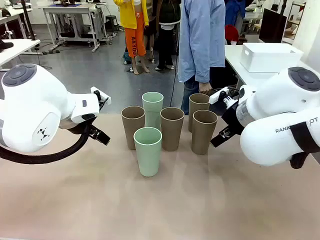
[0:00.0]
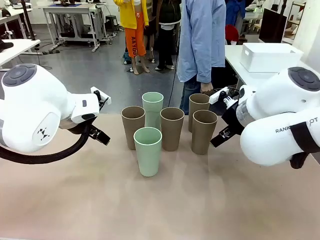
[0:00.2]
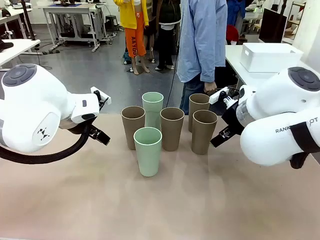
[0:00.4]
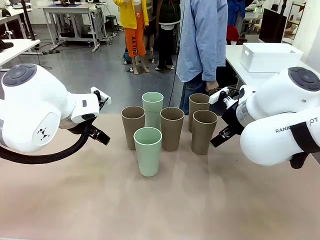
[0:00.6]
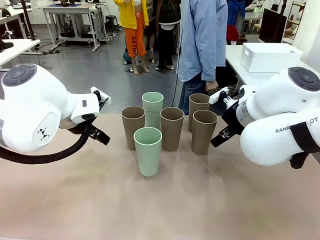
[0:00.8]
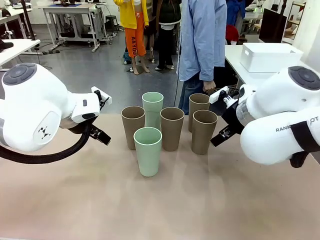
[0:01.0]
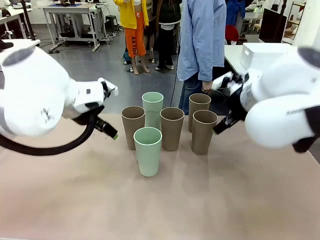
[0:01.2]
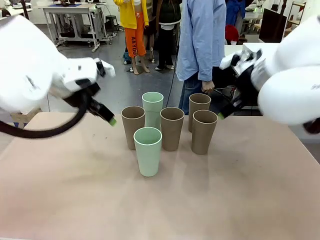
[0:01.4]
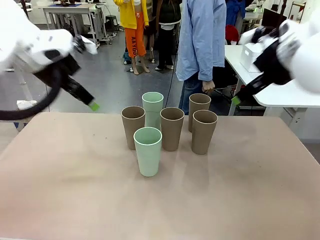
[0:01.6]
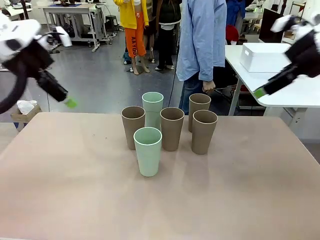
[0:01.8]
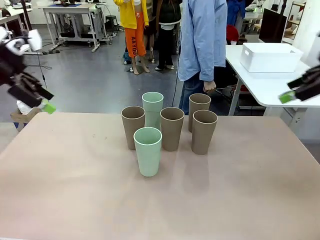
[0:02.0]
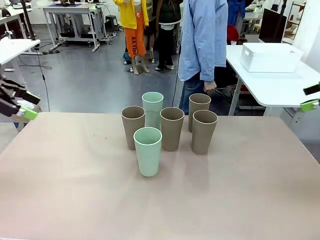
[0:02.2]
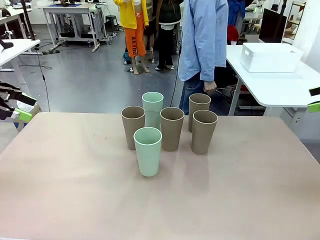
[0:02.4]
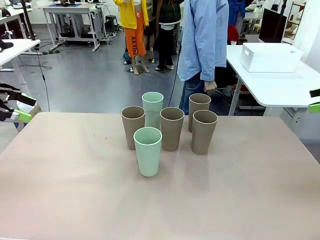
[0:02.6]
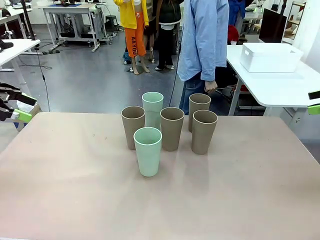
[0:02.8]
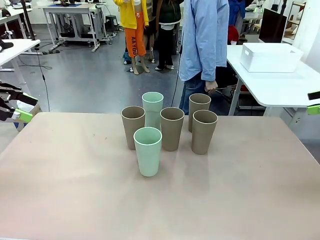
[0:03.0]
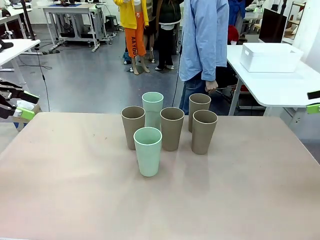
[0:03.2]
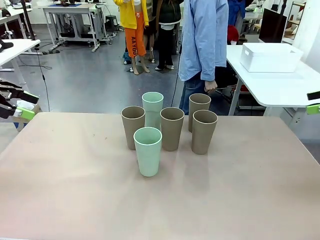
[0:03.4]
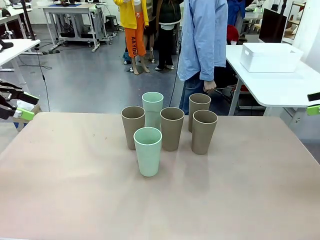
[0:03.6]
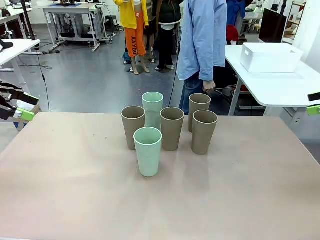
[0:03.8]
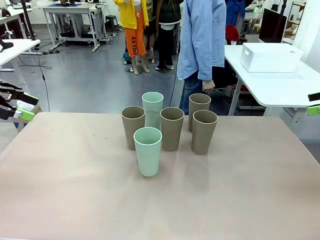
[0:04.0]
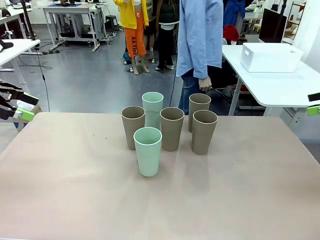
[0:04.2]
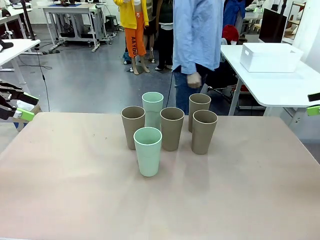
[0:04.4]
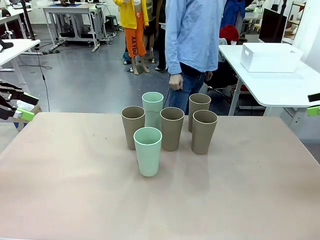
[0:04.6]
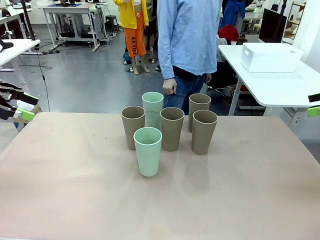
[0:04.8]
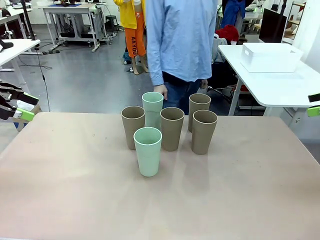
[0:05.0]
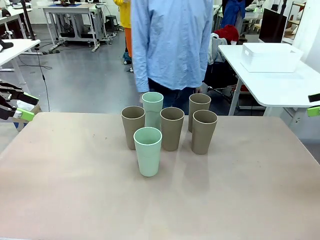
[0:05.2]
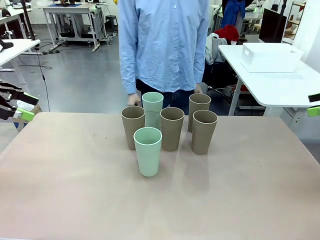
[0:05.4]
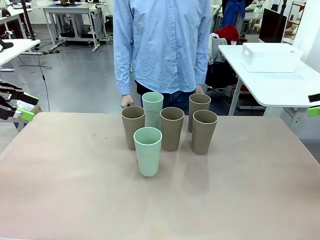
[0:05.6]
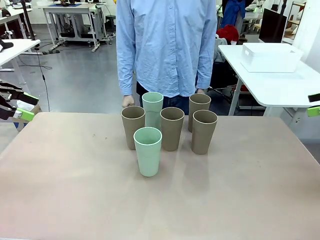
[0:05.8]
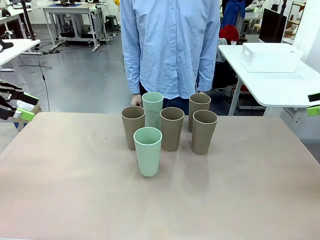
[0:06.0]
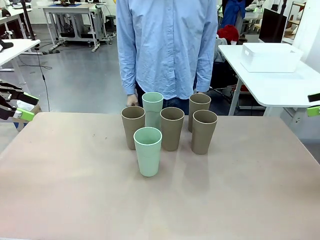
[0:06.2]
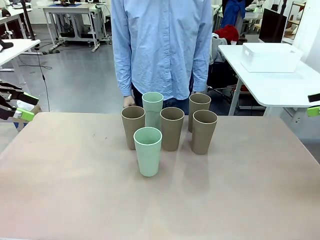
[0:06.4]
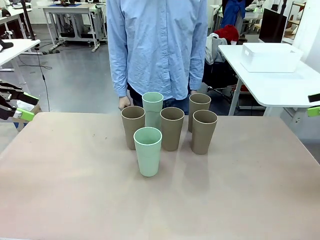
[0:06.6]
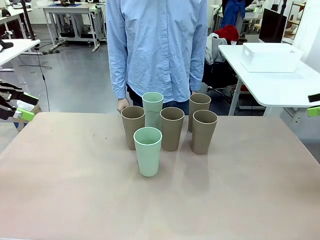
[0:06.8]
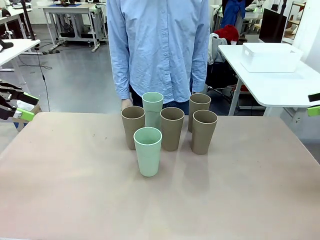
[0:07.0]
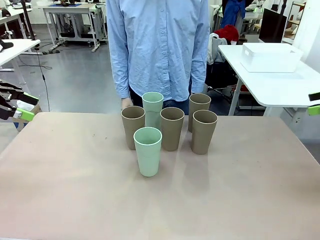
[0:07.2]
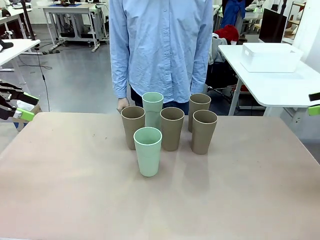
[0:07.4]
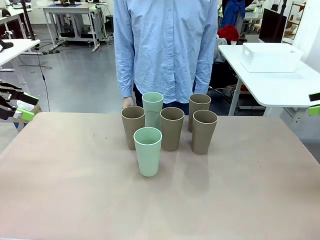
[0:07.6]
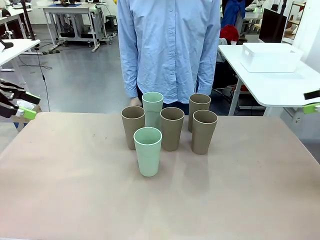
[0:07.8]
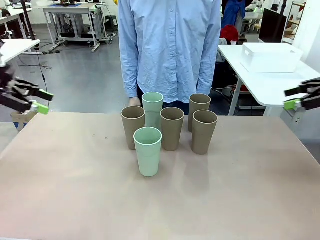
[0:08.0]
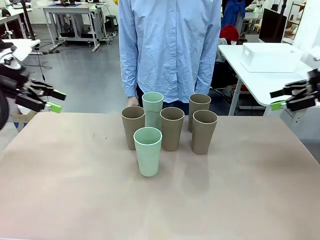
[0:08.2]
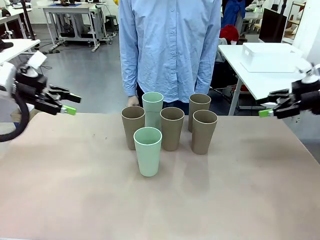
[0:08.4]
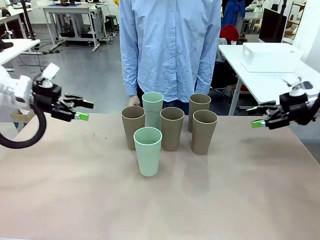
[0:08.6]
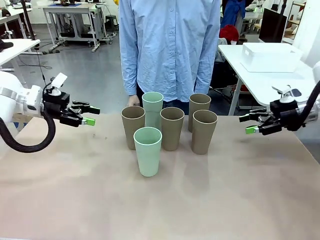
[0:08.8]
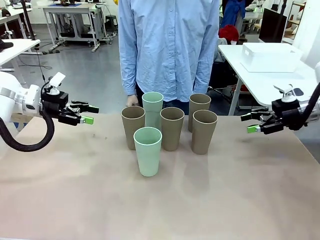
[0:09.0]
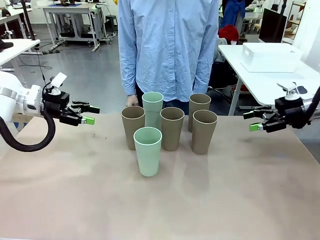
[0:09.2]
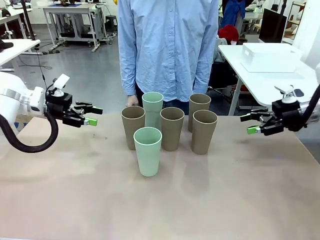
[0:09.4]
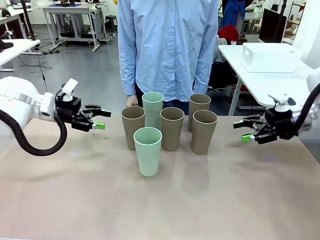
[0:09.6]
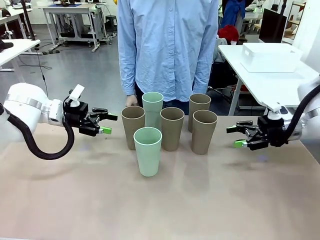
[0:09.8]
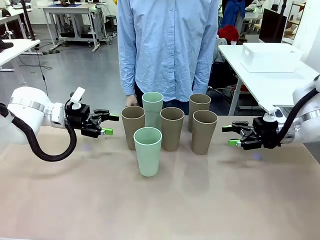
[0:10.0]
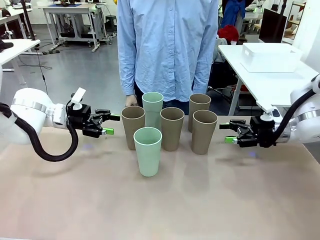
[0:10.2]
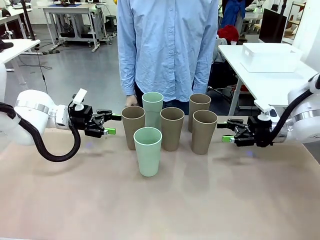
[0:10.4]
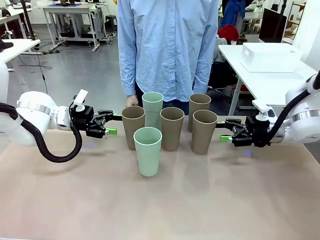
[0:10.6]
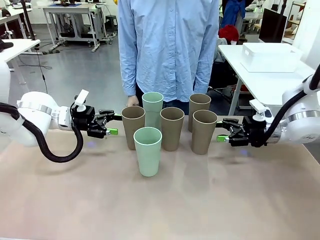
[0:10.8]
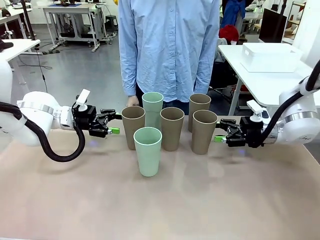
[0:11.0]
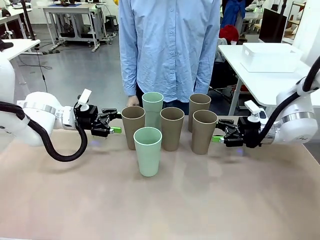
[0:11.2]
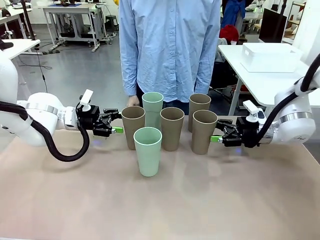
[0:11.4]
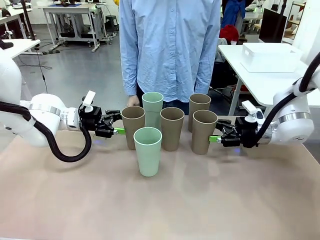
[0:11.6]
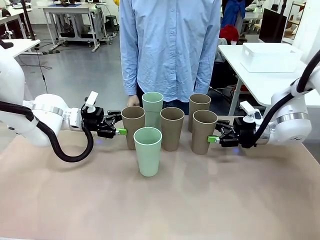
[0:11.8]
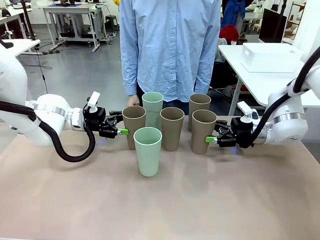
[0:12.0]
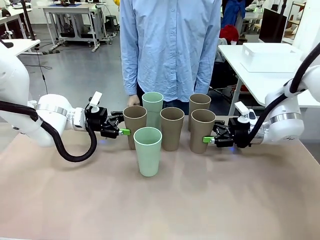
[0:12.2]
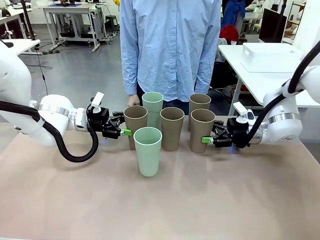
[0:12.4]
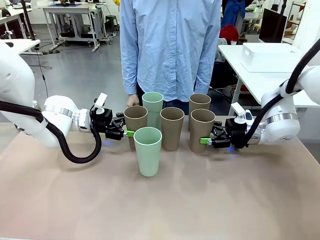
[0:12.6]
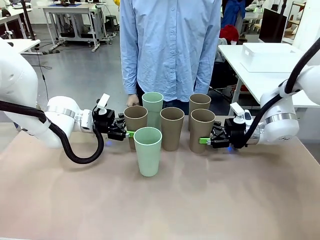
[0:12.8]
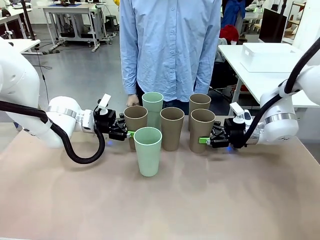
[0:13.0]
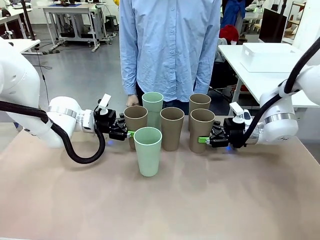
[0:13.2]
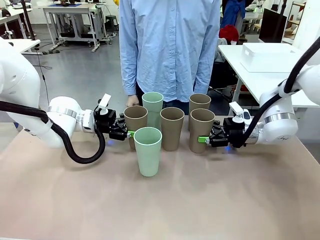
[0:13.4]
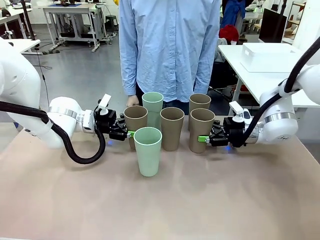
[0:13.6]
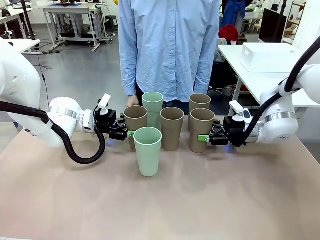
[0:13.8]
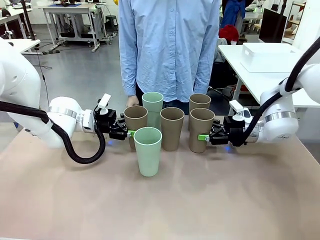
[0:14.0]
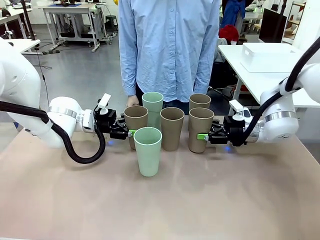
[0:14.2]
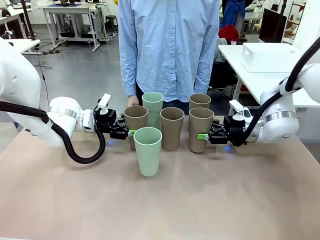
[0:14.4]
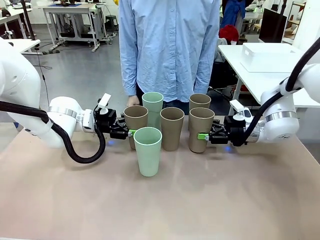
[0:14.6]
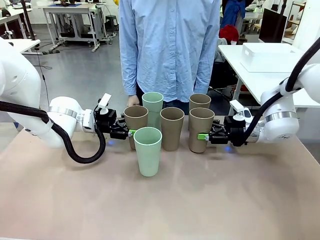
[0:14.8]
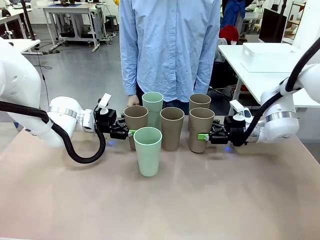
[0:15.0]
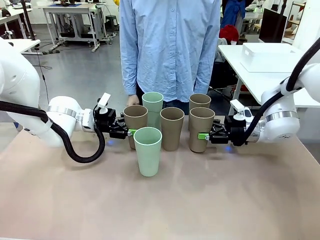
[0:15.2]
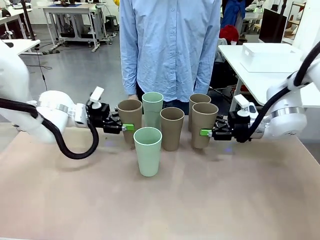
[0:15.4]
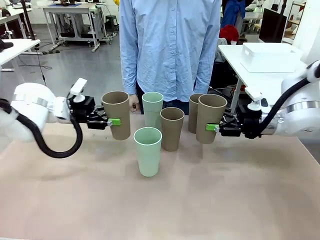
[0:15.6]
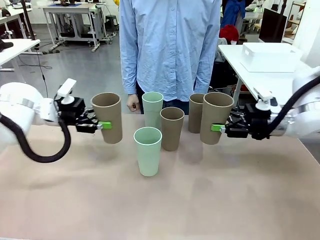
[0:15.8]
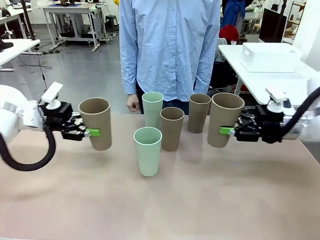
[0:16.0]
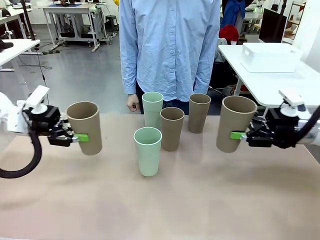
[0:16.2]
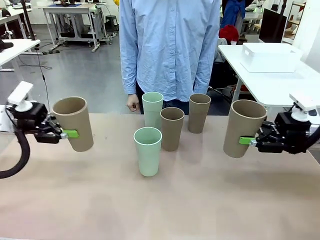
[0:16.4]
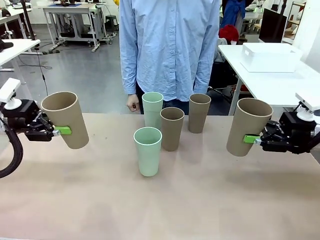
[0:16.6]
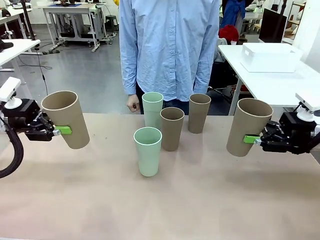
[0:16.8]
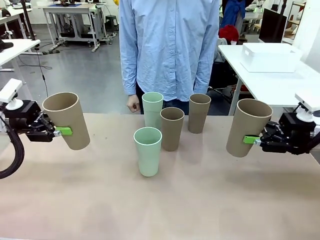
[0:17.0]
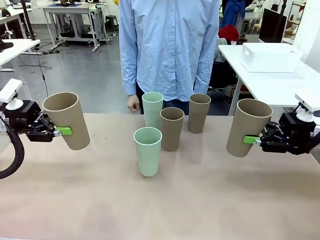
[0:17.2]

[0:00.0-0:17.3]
Task: Stack the cups and store them in the basket.
Robot: Pick up two Reusable plastic cups , one in each hand.
Person: Move from the Human Table to the front of the Robot Table. Stack two of the remaining cups on top of each cup held by the robot.

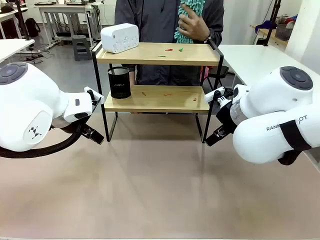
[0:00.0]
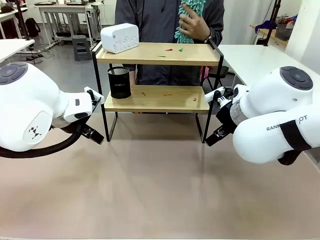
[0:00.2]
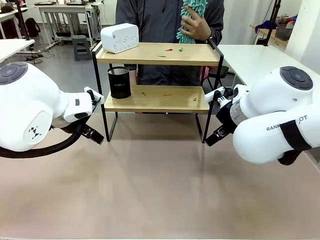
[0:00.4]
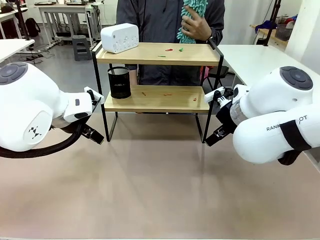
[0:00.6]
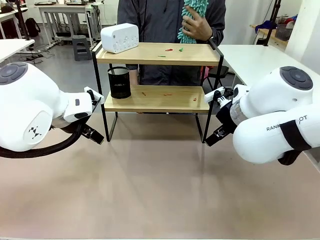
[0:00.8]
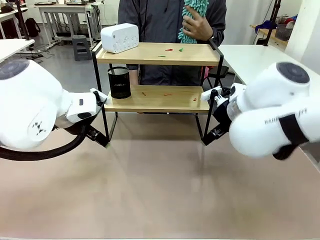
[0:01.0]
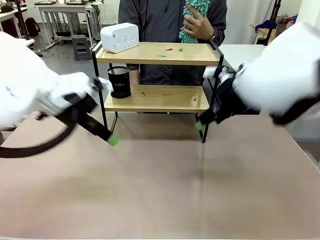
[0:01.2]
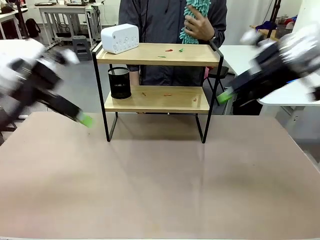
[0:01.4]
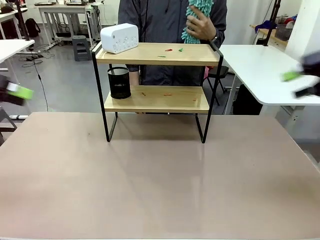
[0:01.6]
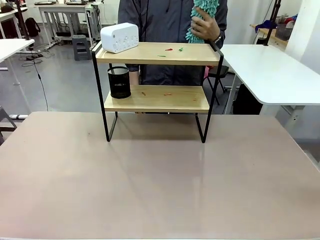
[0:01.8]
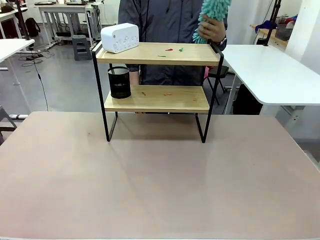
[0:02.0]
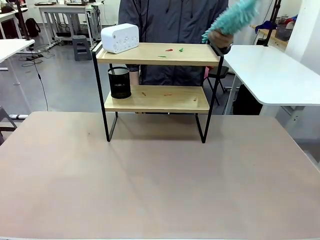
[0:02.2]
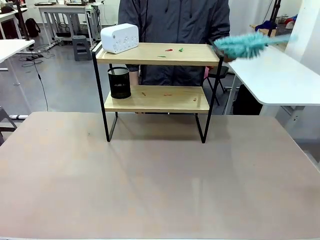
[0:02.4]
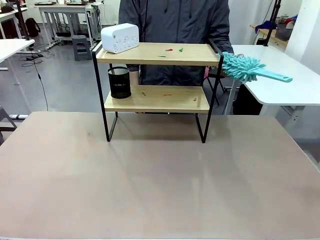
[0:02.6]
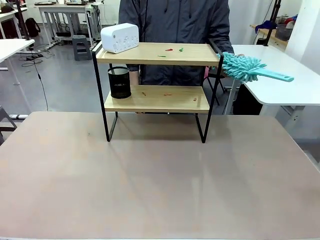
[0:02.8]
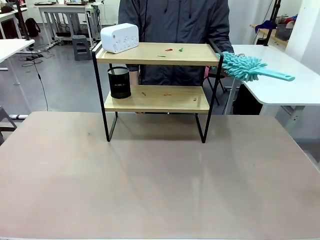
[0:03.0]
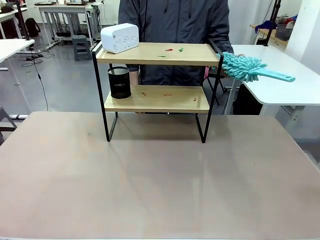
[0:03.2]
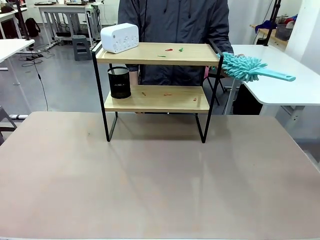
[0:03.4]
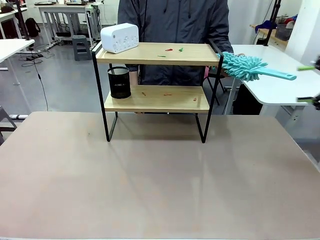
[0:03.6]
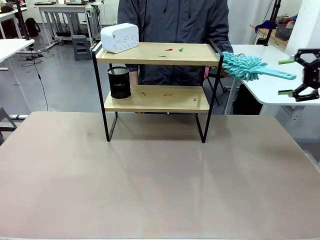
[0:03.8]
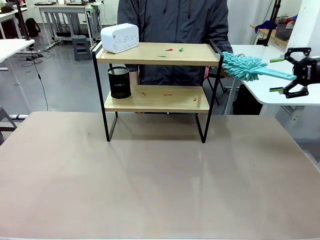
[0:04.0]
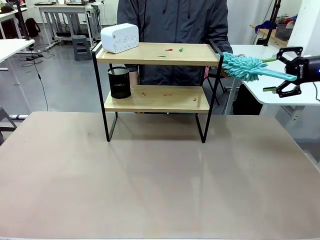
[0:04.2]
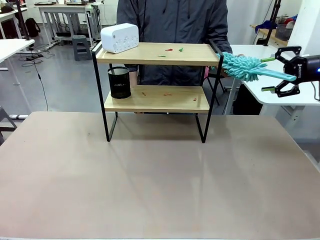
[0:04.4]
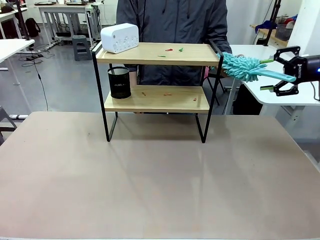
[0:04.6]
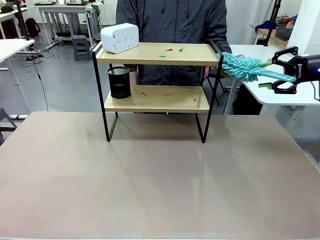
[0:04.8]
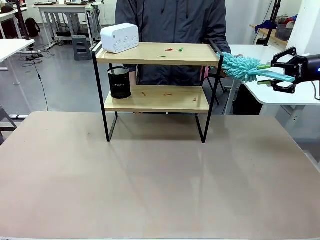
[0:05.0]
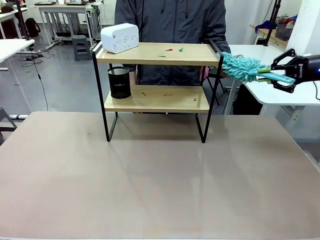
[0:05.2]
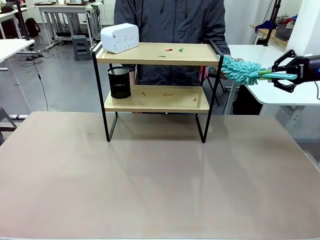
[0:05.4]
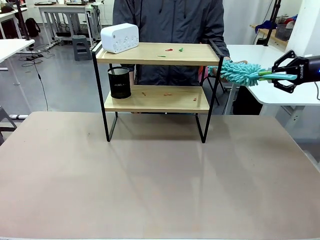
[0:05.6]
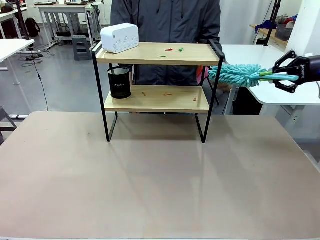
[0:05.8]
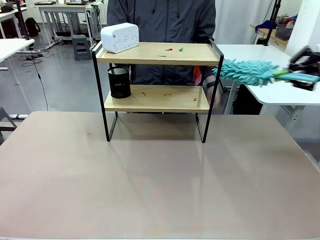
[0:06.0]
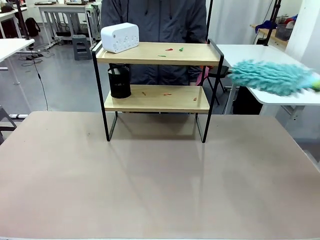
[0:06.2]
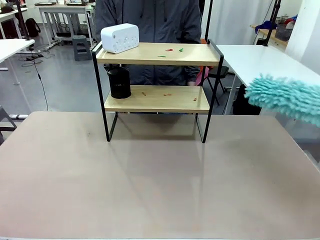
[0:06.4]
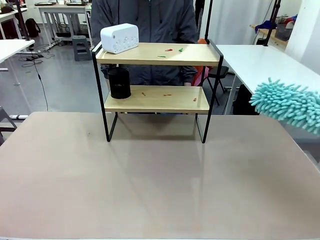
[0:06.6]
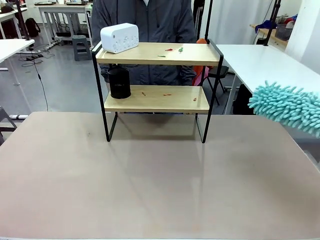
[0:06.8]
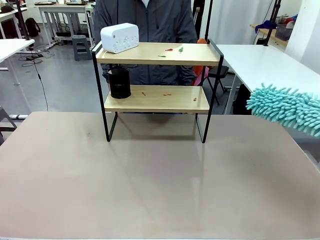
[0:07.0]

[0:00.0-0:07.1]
Task: Clean the shelf.
Robot: Pick up the Duster from the human.
Person: Hand the Duster to the robot.
